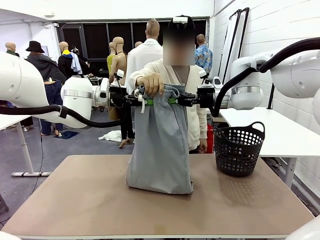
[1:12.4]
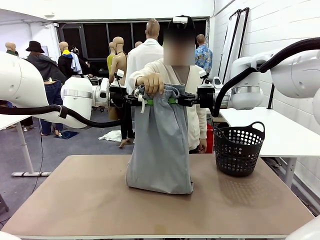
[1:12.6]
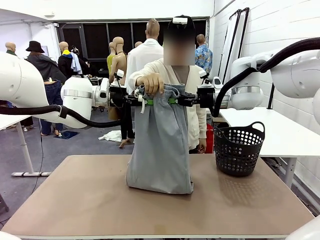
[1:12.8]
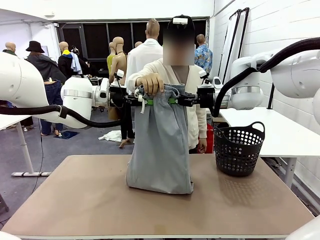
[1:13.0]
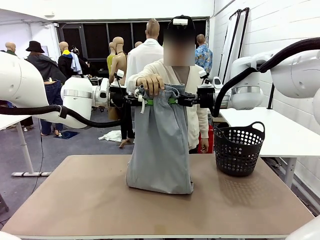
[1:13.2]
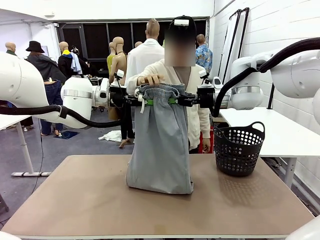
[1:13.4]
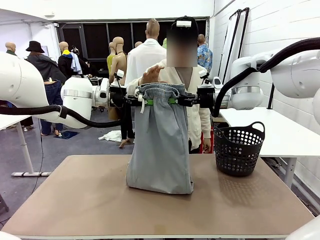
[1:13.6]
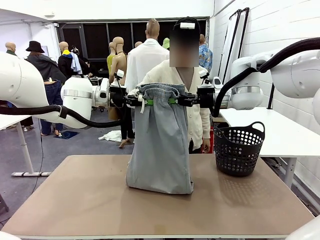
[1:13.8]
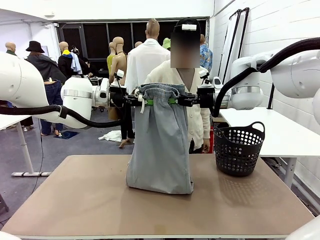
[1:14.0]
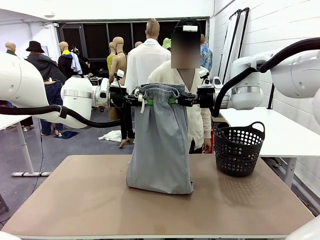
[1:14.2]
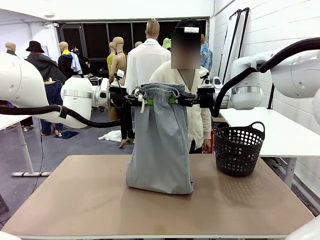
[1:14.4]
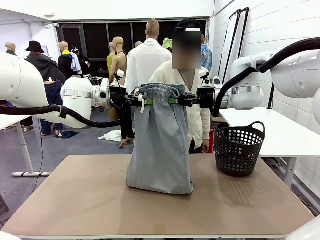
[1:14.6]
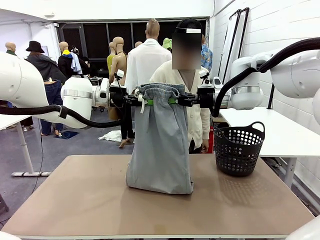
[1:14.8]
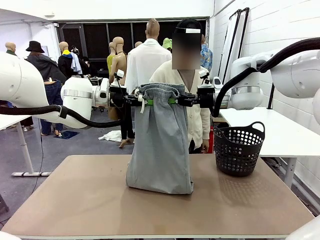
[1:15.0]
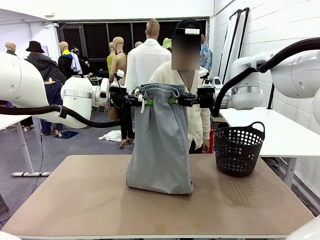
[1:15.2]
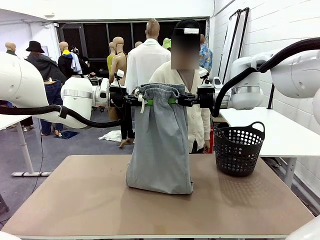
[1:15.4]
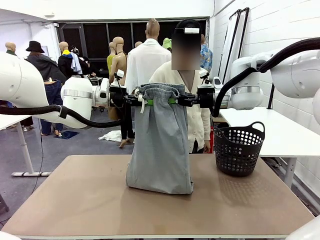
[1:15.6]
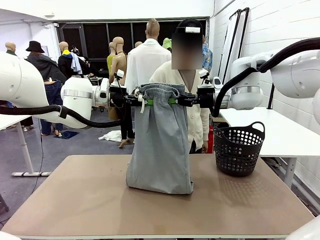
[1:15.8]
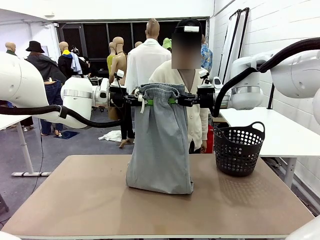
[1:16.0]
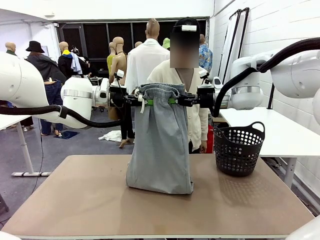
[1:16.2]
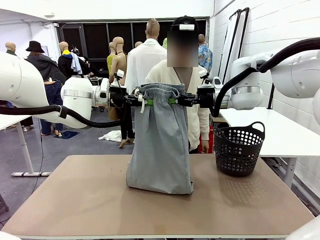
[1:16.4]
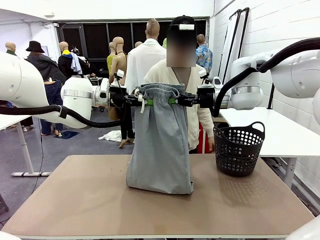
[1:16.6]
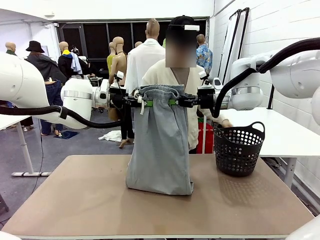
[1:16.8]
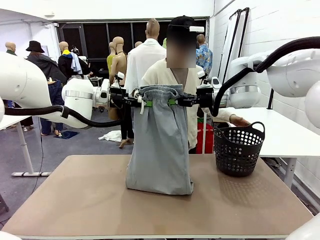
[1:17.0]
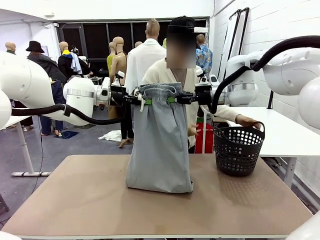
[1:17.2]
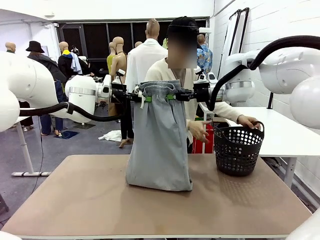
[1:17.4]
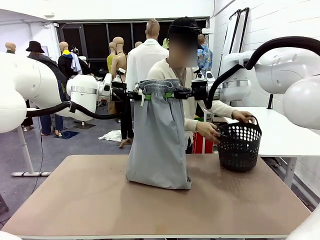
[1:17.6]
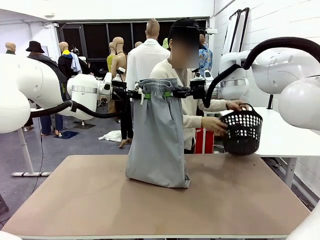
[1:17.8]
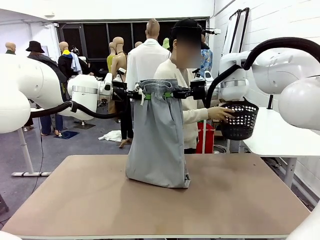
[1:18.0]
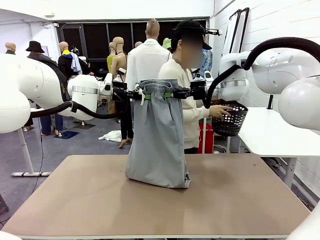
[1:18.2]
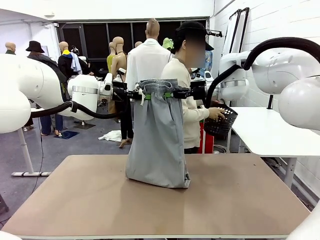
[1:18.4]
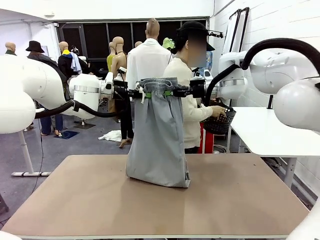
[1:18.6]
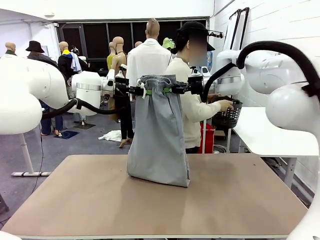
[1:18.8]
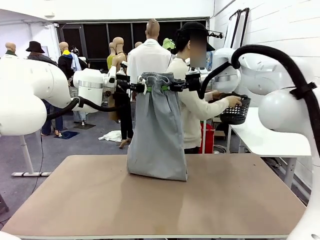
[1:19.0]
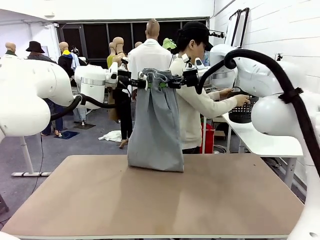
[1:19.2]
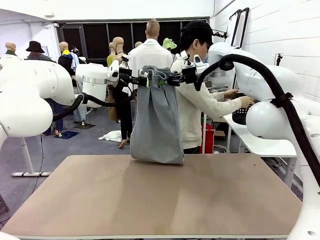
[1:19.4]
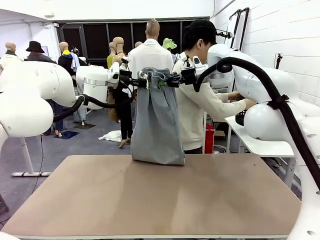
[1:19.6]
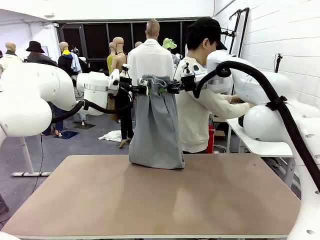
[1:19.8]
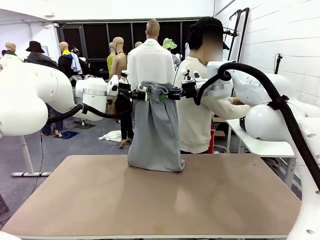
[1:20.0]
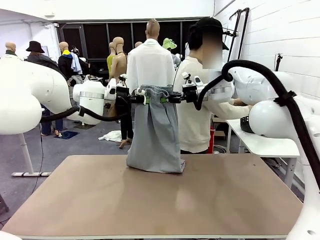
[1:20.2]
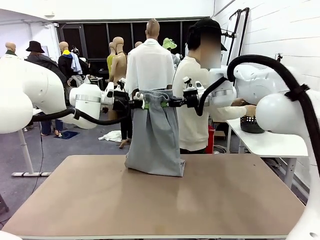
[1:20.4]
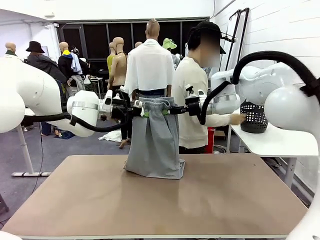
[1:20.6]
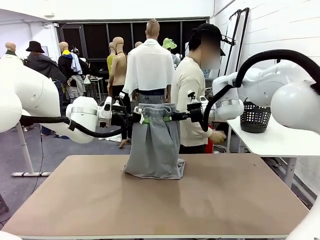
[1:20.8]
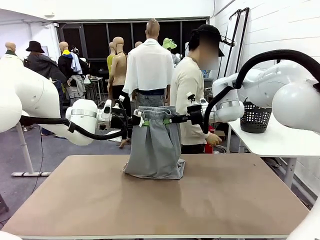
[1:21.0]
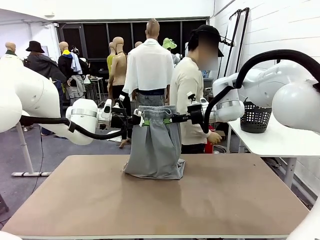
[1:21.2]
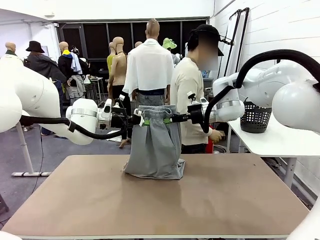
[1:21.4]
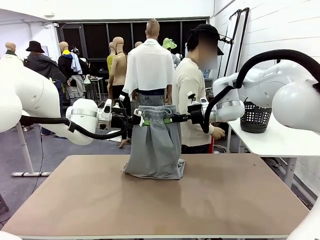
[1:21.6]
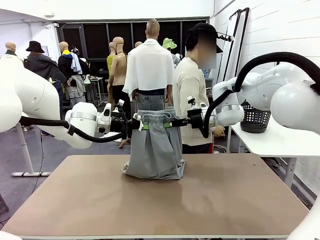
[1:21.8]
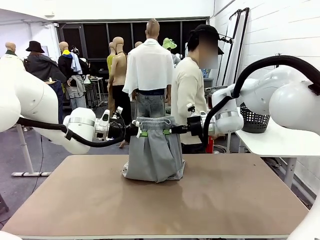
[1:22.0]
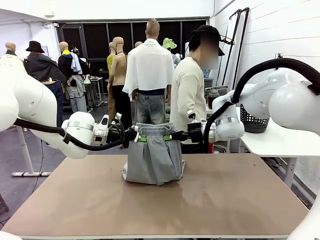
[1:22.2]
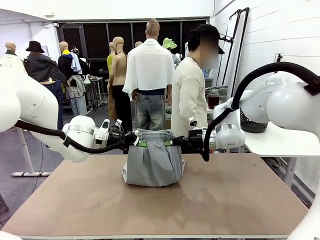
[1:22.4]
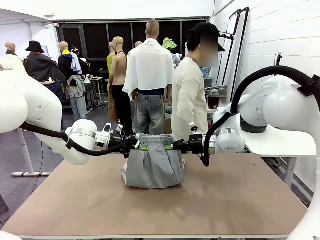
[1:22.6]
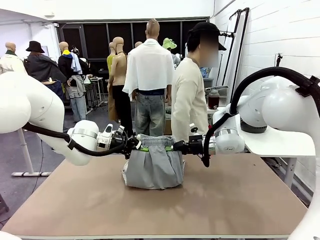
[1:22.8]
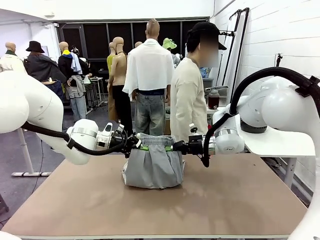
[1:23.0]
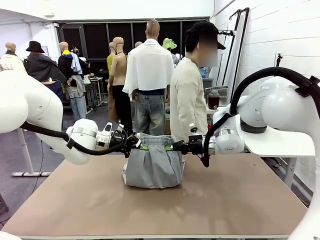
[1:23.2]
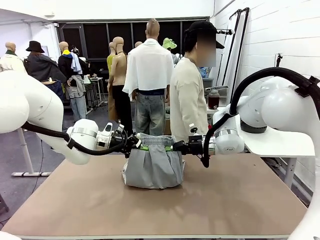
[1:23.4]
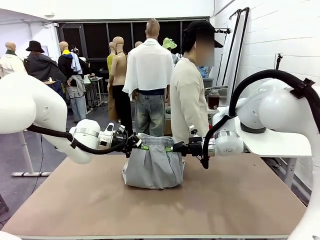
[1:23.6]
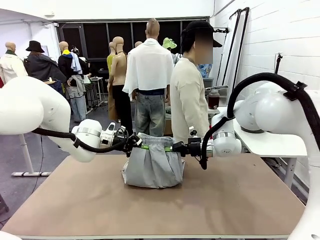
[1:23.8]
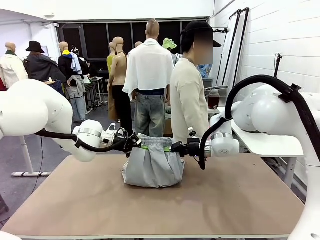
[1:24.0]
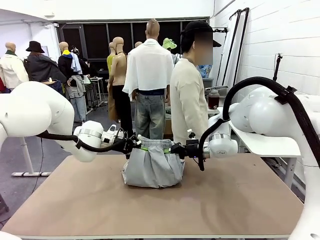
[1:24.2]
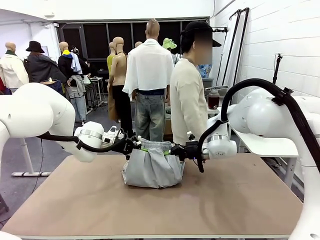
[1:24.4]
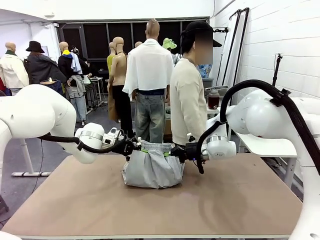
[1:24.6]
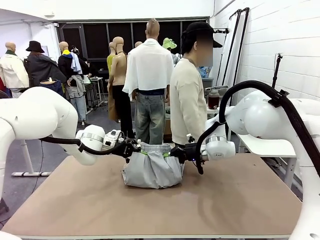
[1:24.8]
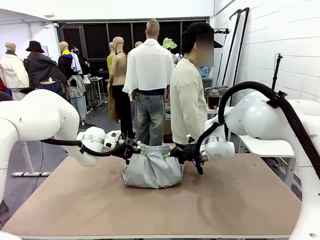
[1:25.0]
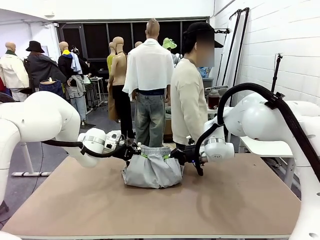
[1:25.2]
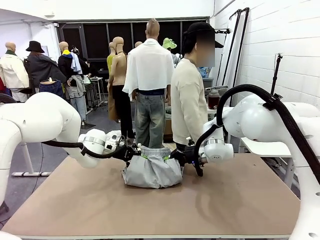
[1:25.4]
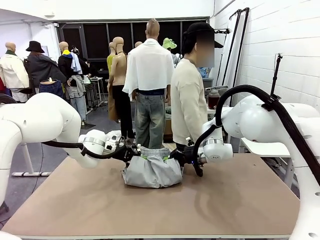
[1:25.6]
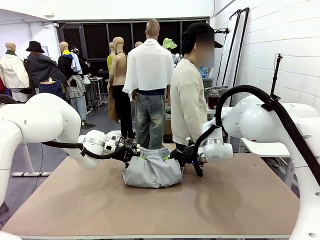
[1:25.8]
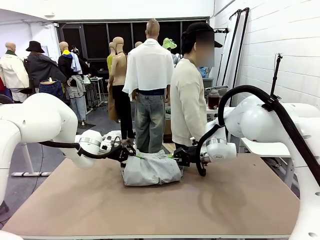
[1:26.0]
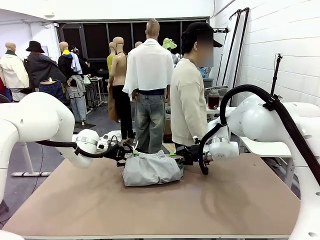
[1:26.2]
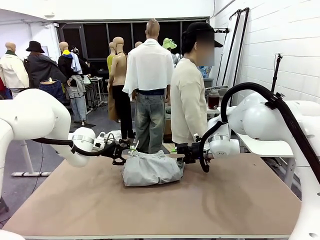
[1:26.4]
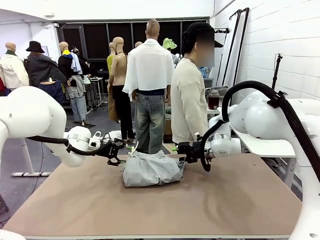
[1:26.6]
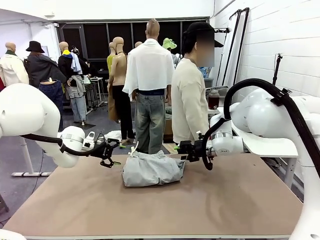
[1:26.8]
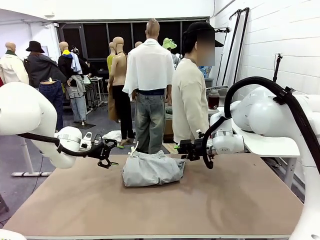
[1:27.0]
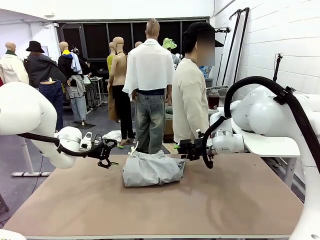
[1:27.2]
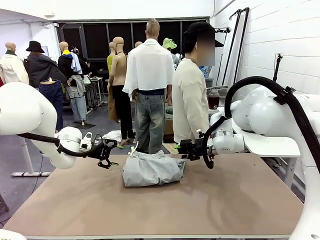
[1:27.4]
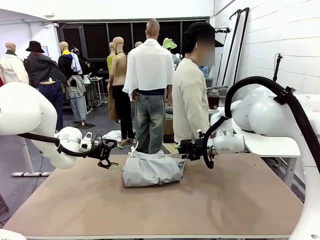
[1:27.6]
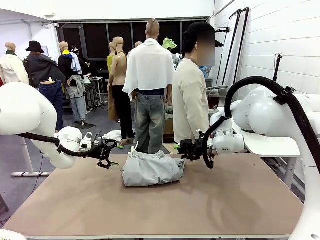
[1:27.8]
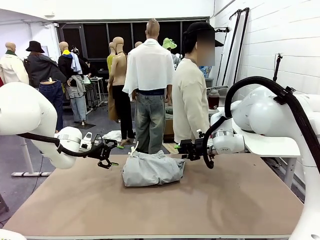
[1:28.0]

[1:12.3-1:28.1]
Task: Fold the training pants.
Robot: Fold the Training pants in half.
Person: Move the laundry basket to the right of the human table.

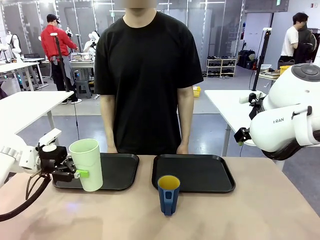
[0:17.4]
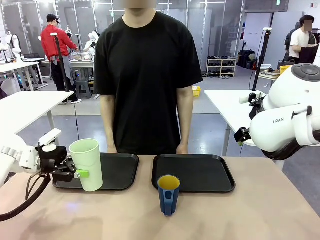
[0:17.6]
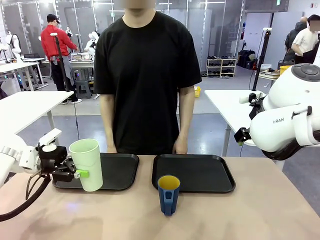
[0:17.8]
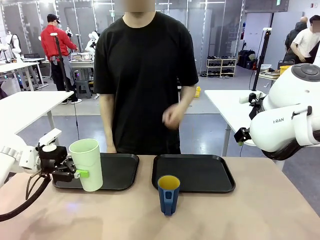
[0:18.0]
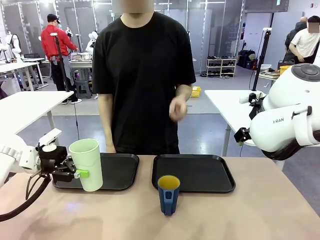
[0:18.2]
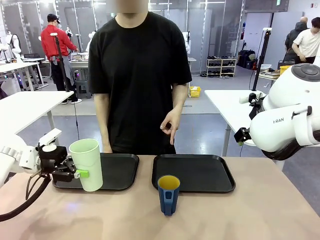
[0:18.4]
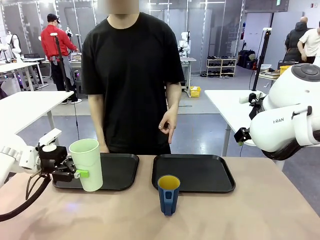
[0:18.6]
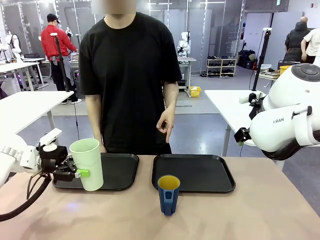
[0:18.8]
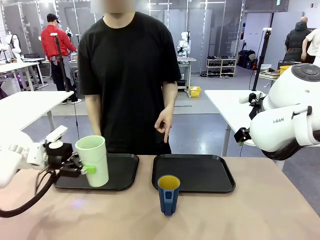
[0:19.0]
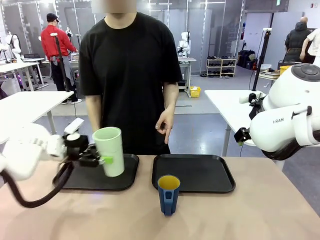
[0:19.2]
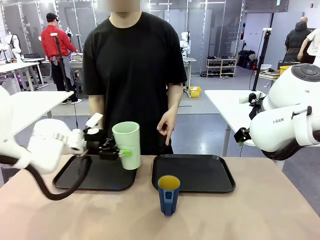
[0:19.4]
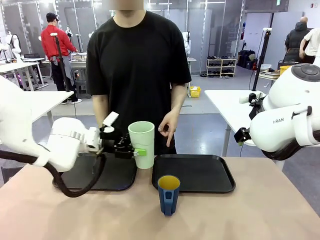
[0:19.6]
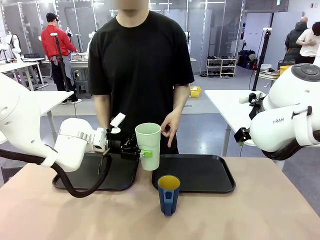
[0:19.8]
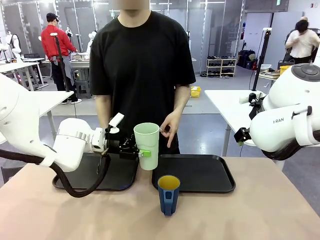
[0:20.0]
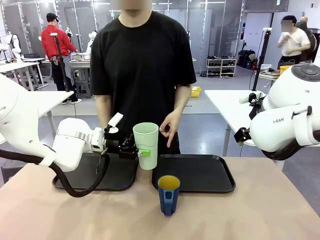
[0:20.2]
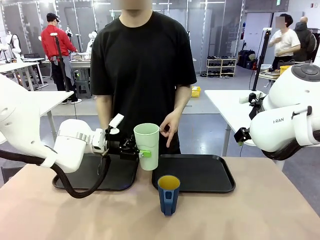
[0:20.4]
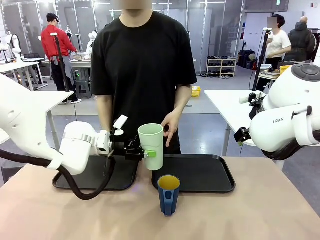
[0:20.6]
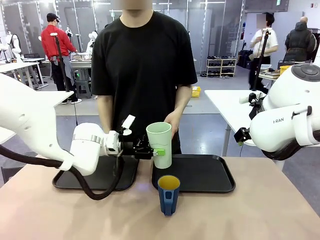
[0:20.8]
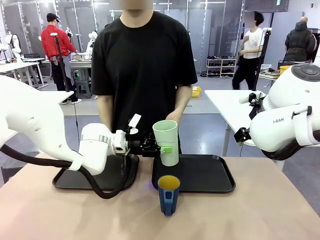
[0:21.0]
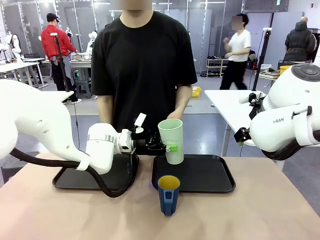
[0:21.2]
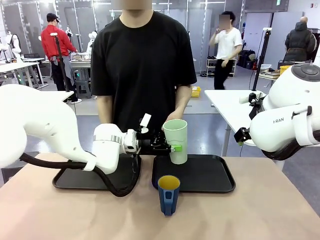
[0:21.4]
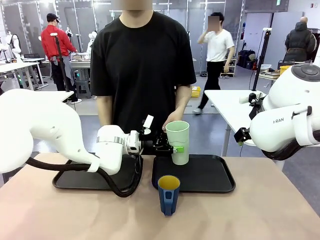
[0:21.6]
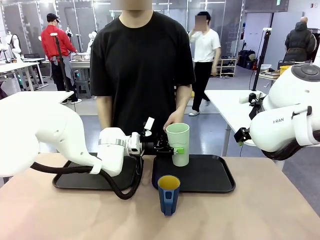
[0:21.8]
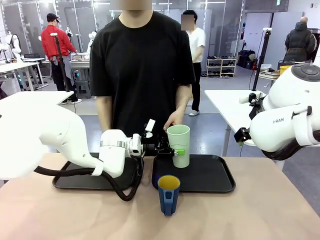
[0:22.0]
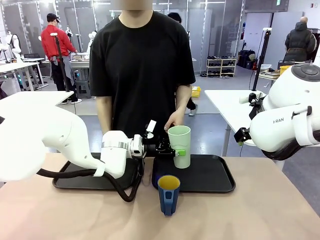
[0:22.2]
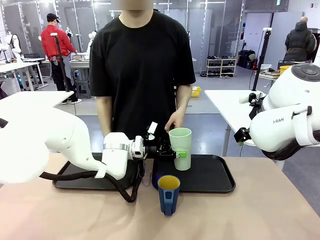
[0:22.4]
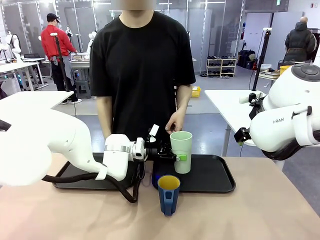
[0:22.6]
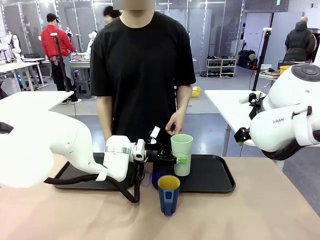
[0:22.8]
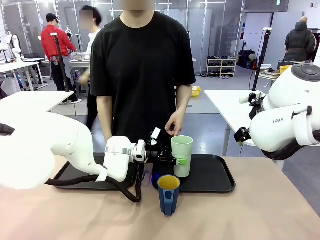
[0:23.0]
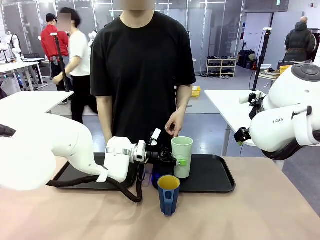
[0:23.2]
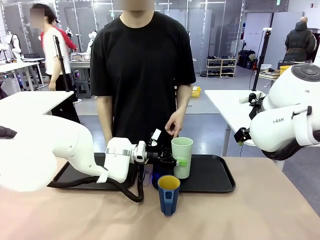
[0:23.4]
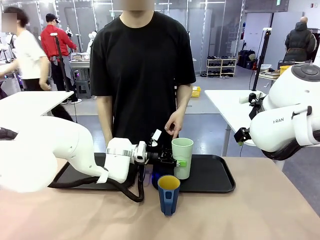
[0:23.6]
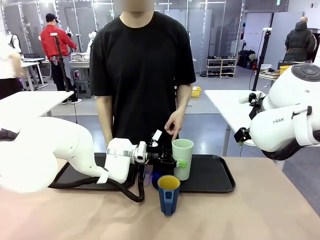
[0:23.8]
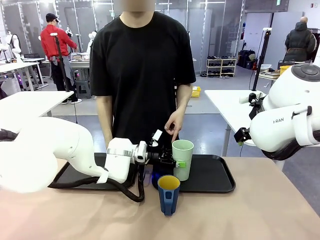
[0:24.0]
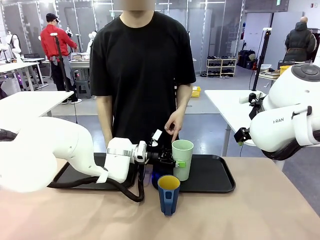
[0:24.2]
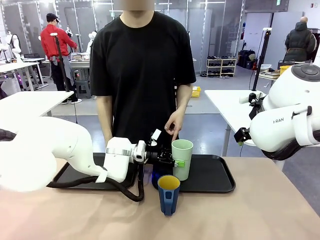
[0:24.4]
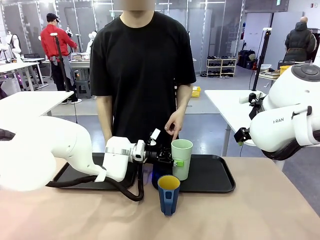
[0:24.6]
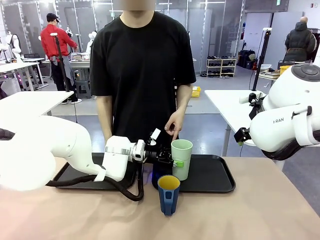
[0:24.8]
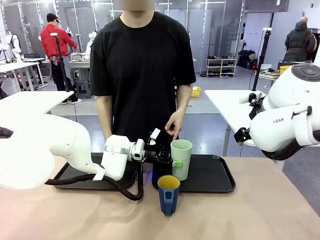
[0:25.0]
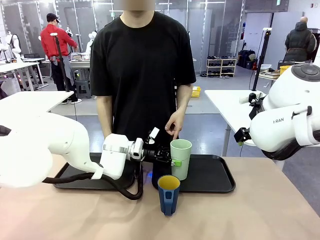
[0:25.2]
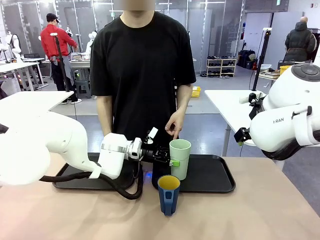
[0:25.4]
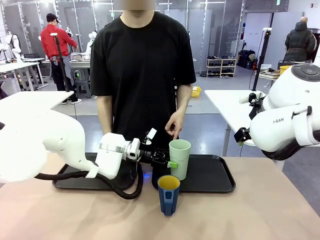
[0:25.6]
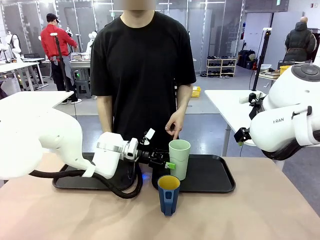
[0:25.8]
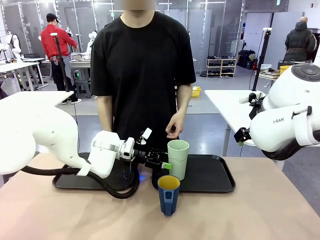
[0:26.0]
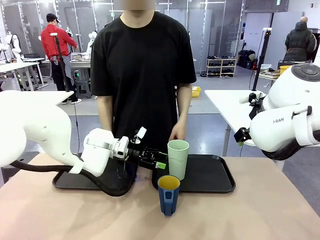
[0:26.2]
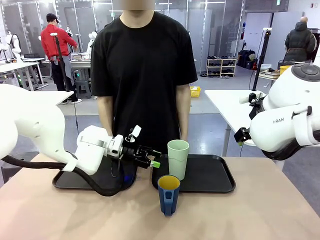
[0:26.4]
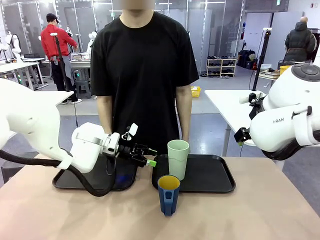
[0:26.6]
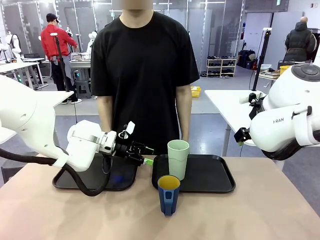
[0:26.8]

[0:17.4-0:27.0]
Task: Sort and store the cups by type.
Robot: Place the picked Reusable plastic cup into the Flat Tray indicated by the person.
